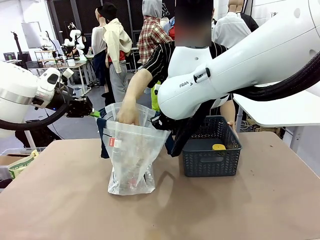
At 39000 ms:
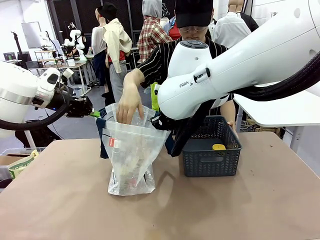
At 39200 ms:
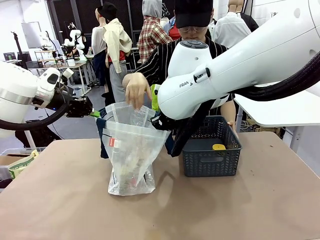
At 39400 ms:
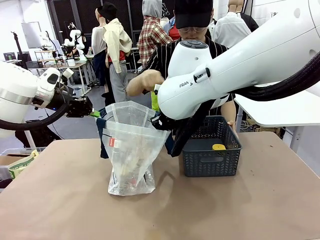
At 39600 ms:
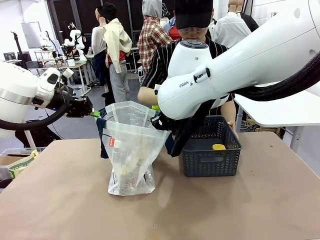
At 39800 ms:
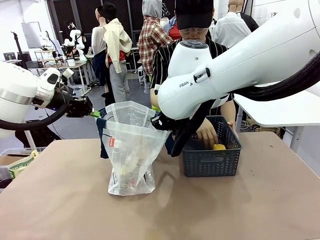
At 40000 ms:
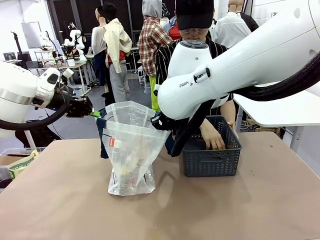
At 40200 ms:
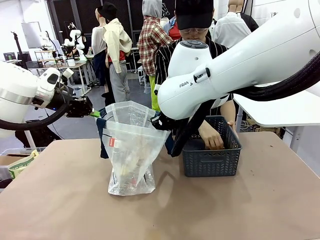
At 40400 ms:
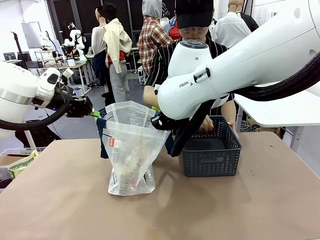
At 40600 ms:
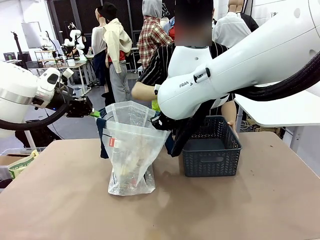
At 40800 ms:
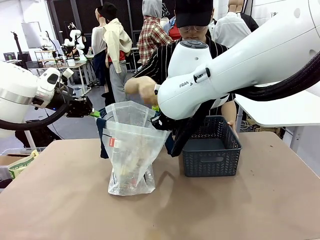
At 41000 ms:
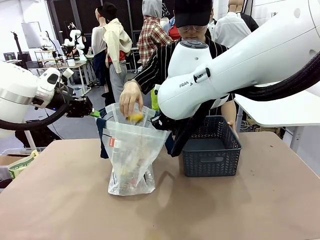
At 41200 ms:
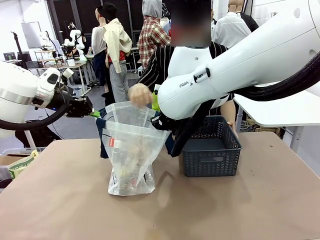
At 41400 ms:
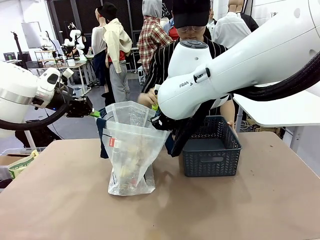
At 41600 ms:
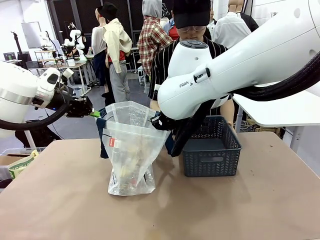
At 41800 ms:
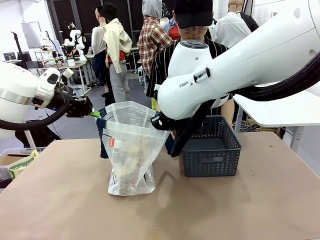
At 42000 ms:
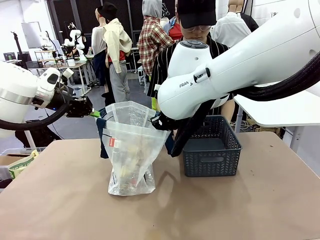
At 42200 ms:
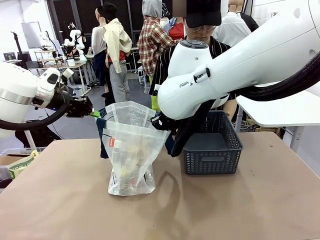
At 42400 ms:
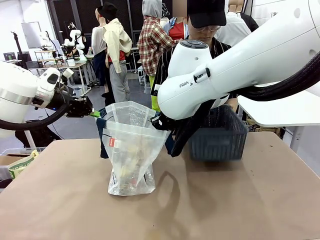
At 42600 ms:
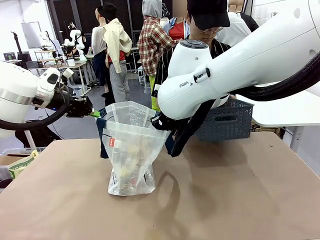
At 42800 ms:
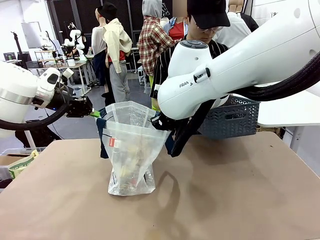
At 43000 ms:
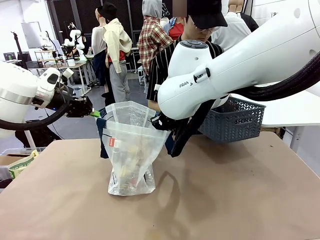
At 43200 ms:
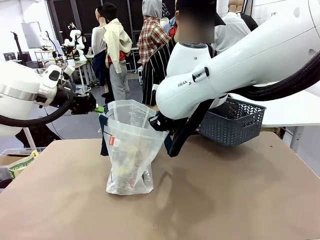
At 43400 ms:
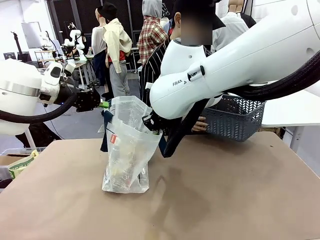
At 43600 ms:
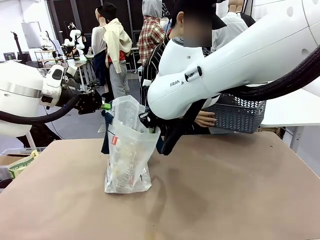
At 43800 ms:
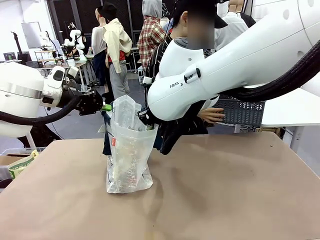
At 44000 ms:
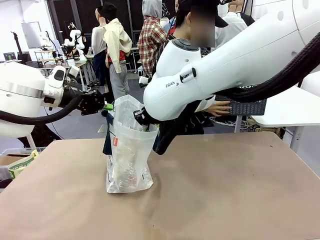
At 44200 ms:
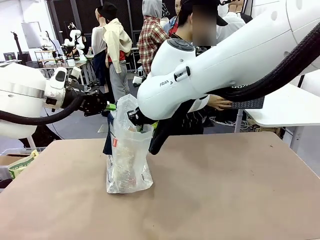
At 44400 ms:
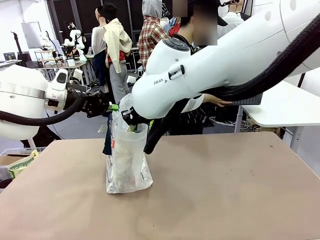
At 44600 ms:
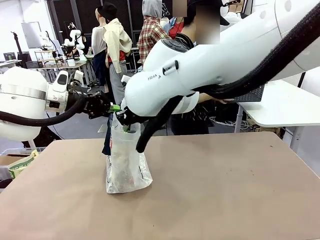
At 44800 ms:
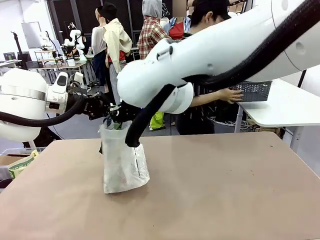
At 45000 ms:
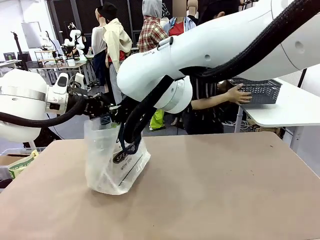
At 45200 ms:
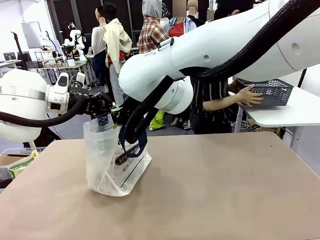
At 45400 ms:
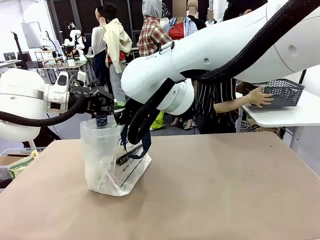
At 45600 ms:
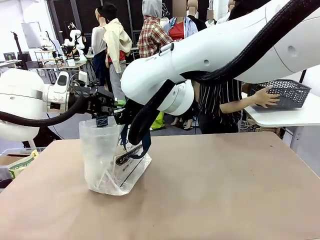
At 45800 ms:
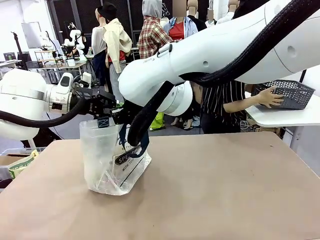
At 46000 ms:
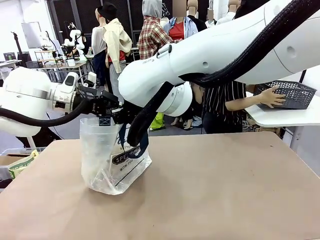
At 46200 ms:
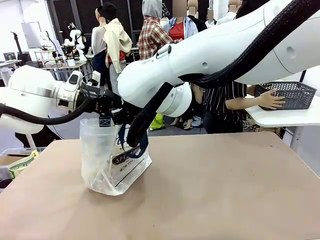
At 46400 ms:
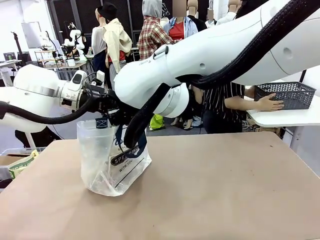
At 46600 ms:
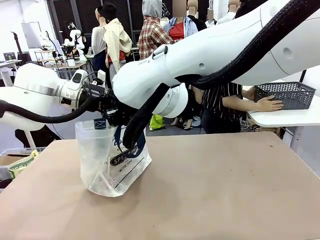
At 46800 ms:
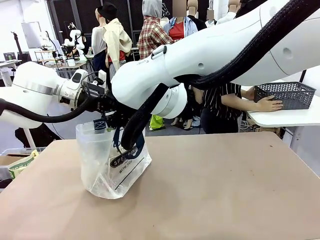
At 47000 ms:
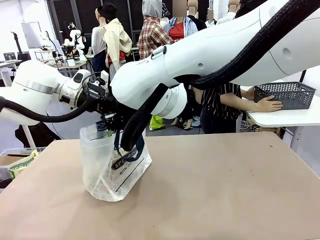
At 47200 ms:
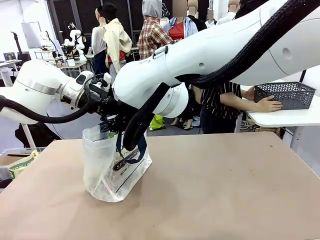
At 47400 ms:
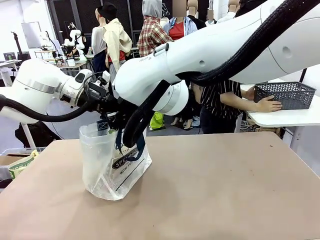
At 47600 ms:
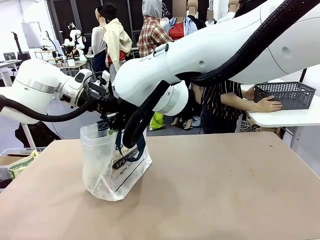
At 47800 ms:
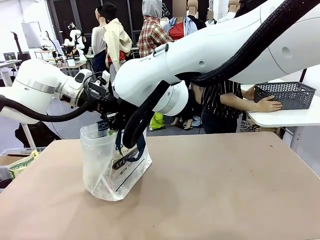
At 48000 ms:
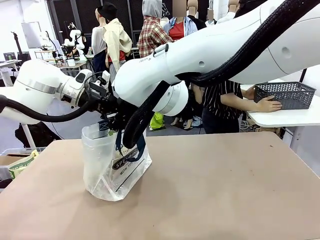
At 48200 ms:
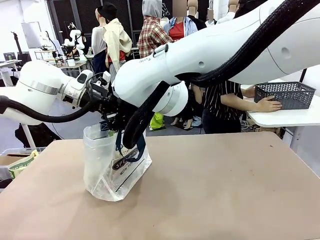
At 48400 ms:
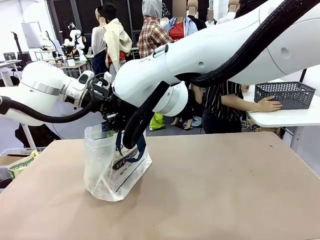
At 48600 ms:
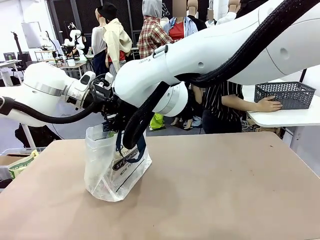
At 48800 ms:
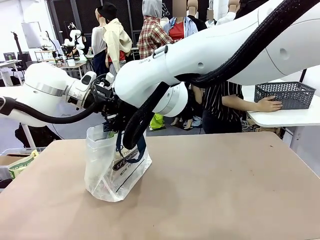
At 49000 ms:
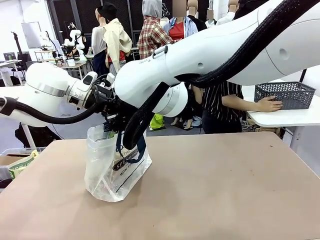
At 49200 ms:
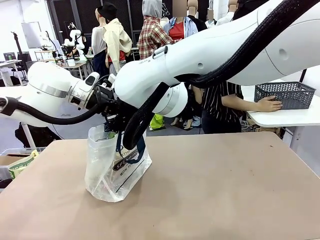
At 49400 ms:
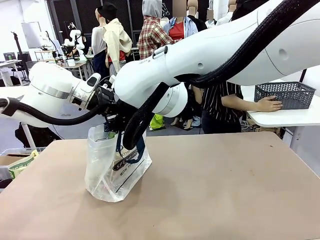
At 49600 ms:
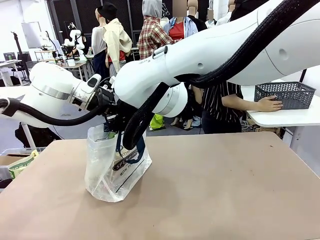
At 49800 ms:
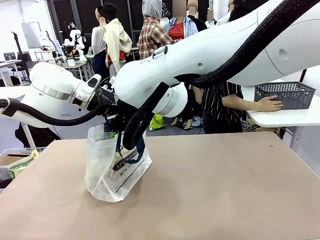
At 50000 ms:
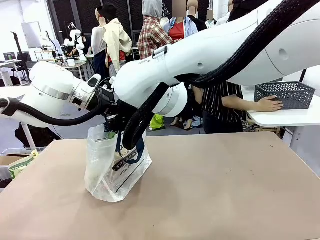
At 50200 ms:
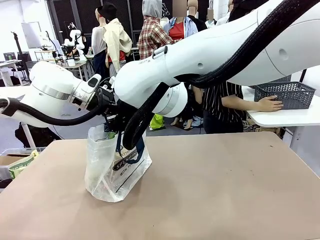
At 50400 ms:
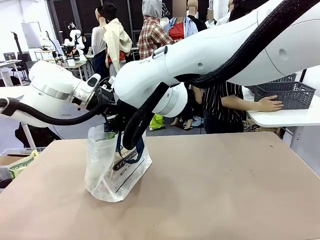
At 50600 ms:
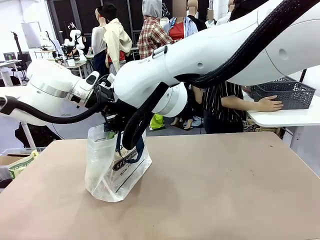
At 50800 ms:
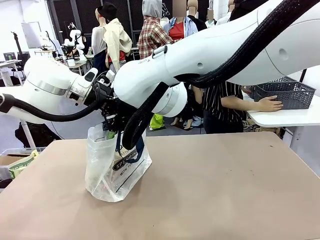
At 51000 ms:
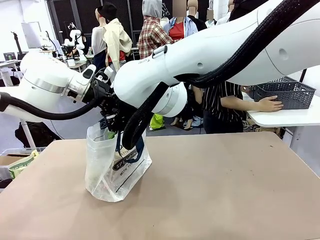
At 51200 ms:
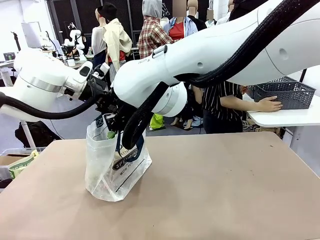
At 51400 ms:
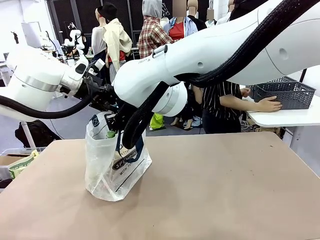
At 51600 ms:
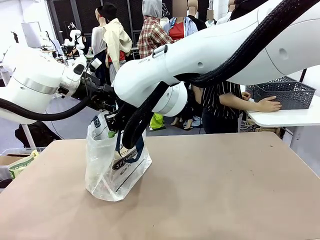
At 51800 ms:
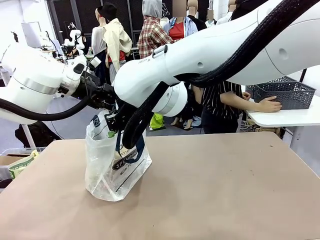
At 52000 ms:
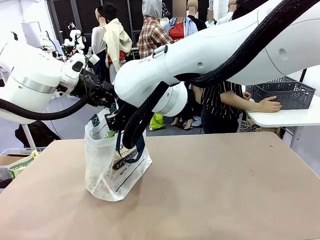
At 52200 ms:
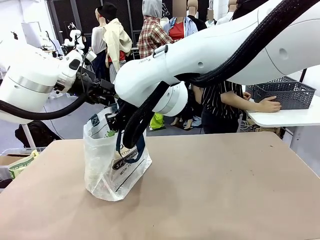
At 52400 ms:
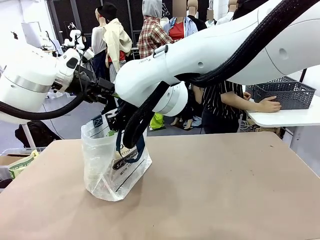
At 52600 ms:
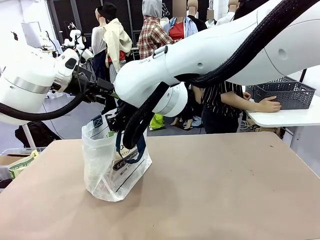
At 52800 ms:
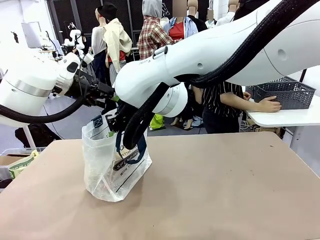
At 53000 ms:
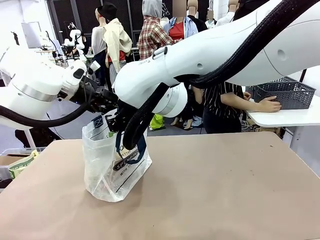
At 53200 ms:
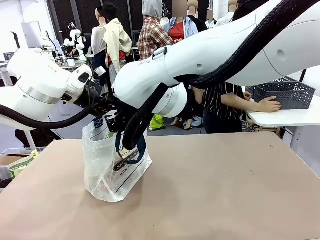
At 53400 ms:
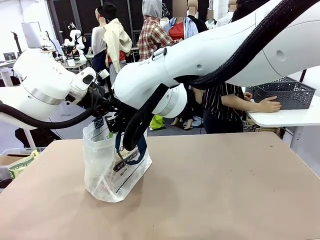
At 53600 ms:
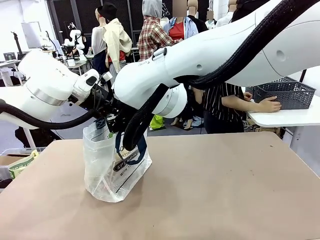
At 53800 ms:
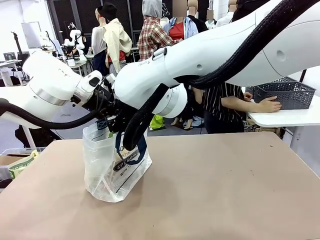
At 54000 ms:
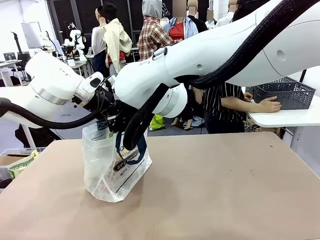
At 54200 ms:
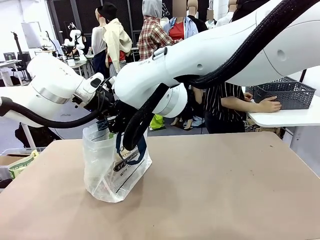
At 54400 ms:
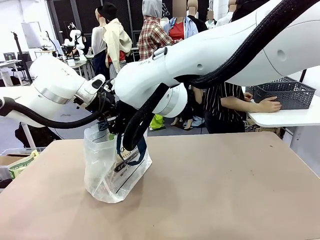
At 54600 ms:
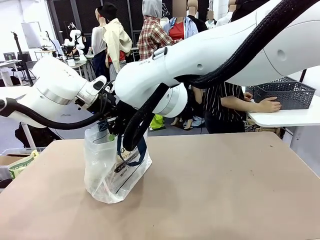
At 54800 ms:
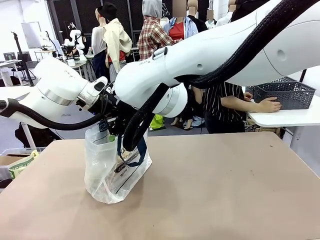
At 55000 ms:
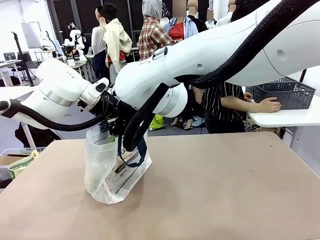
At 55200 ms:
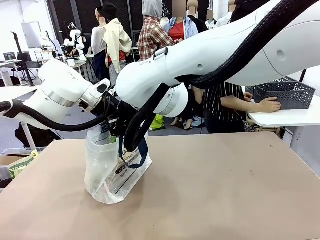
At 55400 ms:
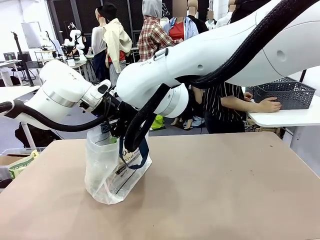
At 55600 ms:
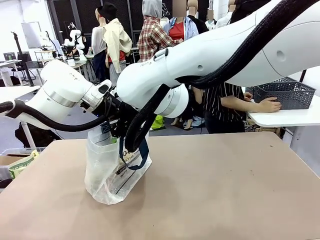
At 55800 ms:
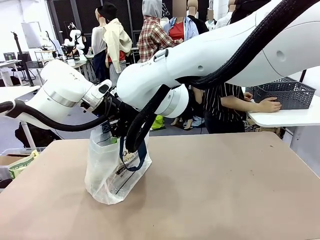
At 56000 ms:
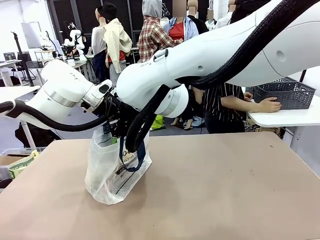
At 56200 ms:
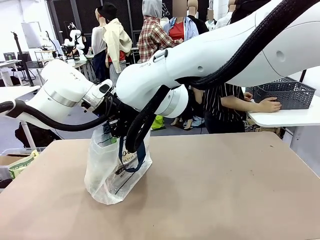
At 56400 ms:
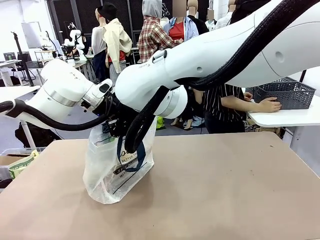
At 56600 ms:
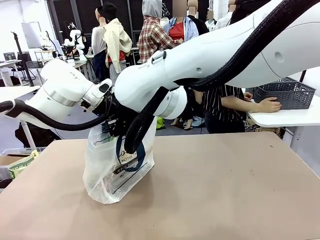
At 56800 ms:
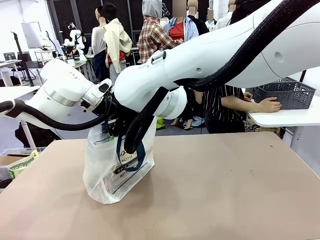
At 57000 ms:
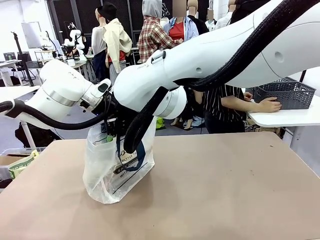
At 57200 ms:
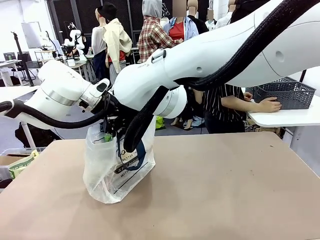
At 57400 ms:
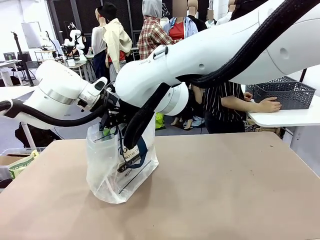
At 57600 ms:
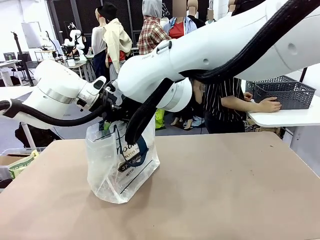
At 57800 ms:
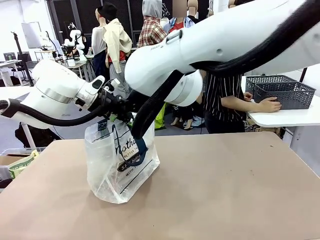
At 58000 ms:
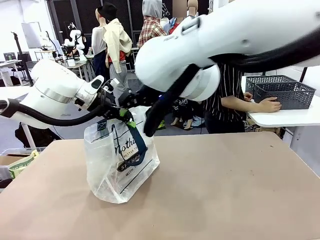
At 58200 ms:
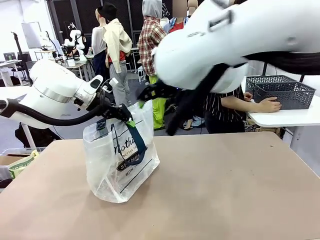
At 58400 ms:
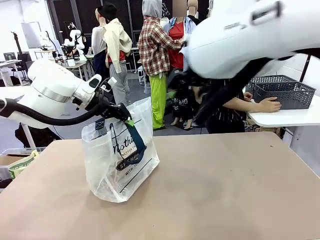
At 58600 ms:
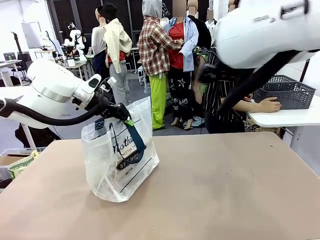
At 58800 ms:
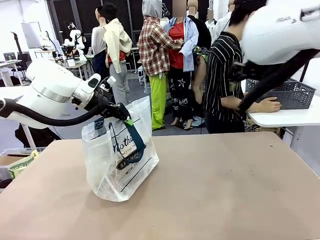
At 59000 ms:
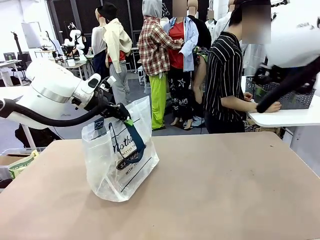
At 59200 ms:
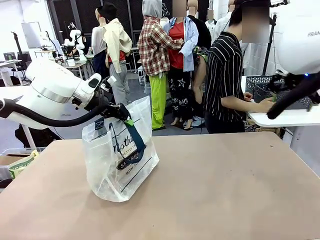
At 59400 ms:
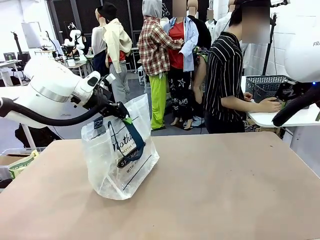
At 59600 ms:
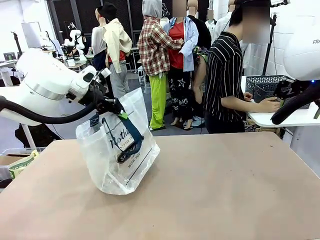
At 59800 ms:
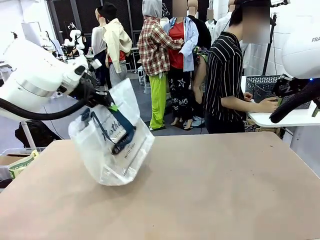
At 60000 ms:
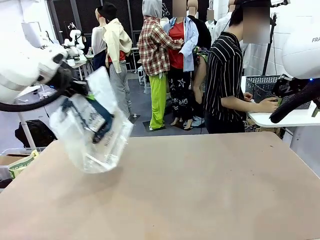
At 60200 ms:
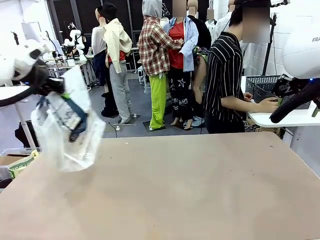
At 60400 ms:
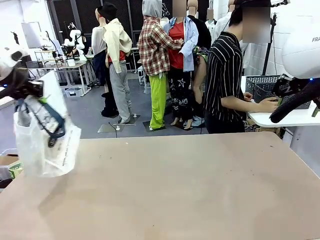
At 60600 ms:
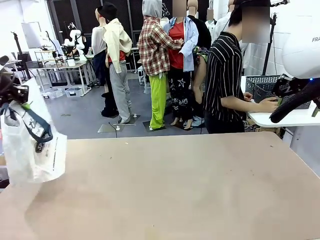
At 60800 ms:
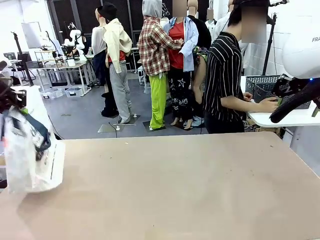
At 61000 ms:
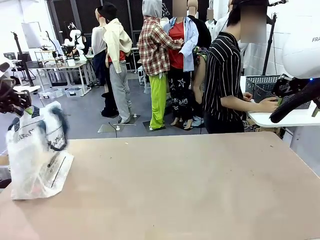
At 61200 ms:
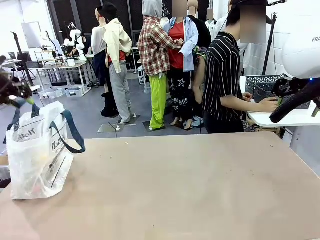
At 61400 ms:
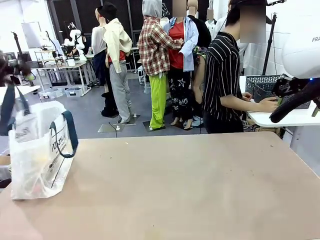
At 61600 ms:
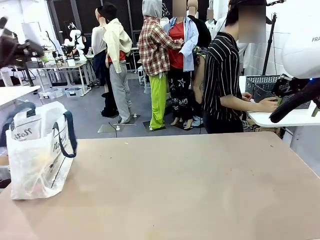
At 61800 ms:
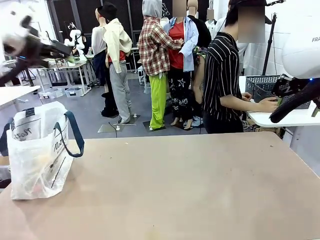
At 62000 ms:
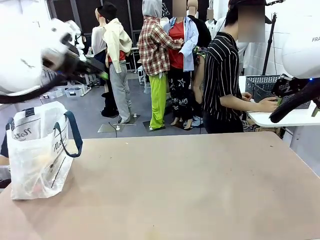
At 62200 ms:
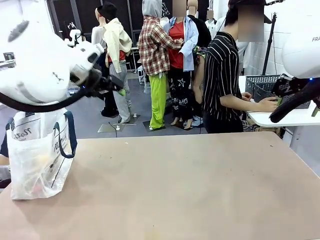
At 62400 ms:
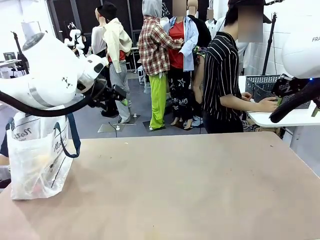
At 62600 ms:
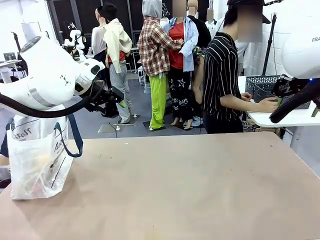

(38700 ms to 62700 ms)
Task: Transfer purchased items from the store into the shopping bag.
Robot: Move the Reusable shopping bag to the right side of the table.
Person: Move the basket on the left to the middle of the person's table.
